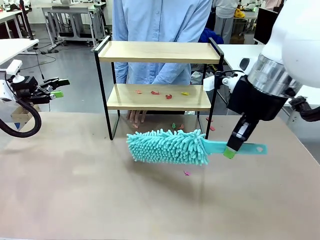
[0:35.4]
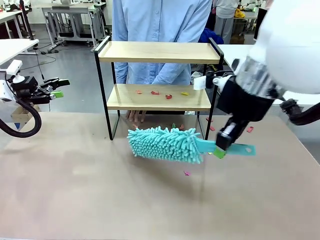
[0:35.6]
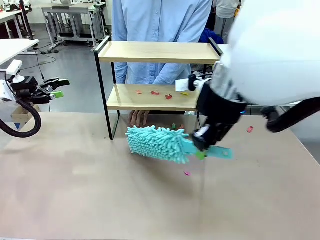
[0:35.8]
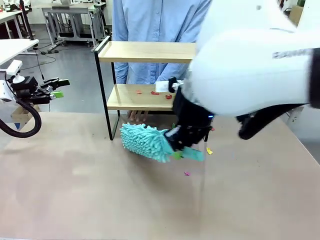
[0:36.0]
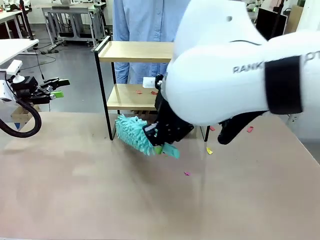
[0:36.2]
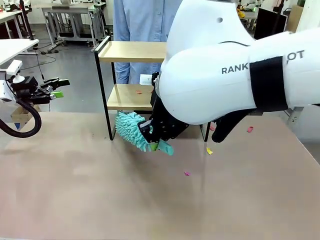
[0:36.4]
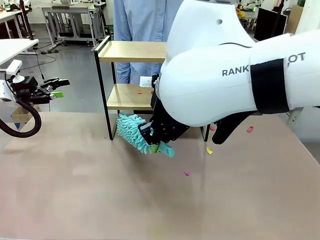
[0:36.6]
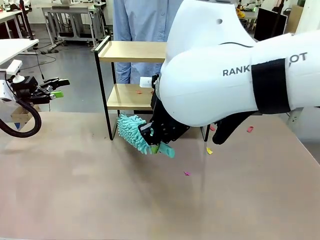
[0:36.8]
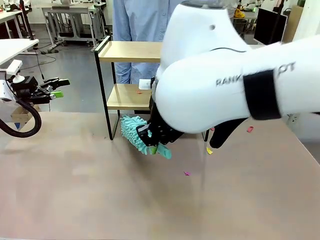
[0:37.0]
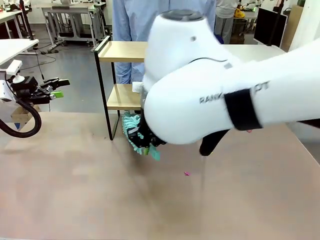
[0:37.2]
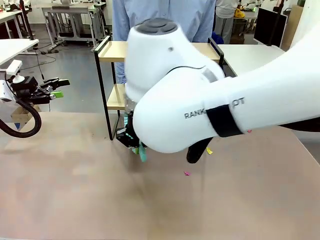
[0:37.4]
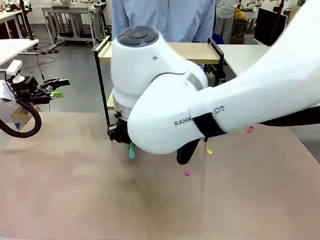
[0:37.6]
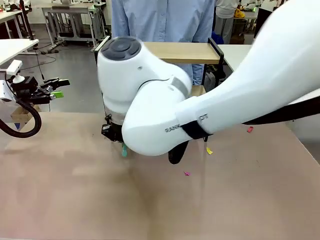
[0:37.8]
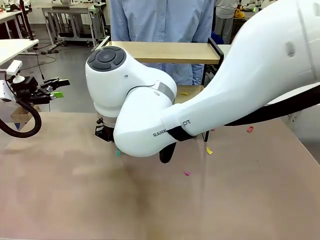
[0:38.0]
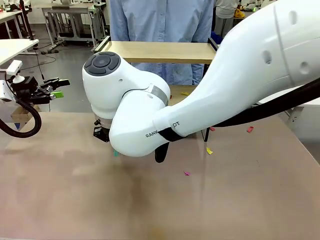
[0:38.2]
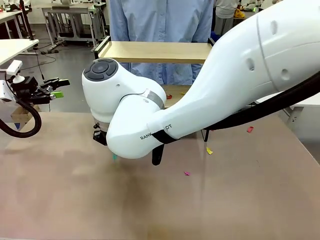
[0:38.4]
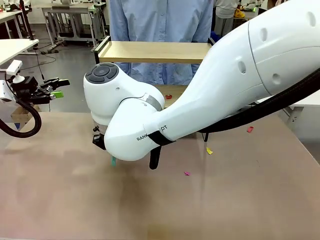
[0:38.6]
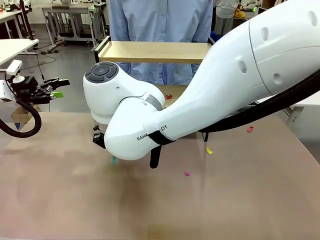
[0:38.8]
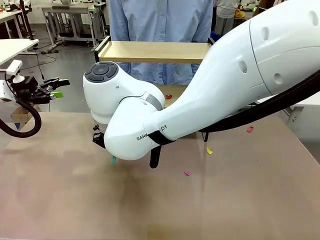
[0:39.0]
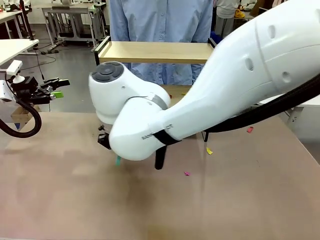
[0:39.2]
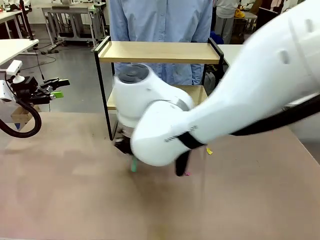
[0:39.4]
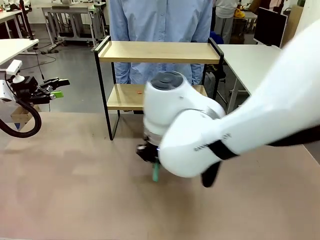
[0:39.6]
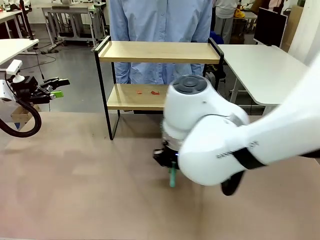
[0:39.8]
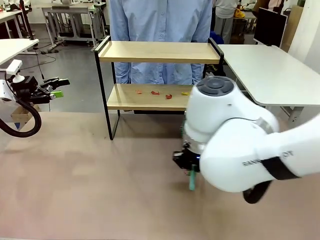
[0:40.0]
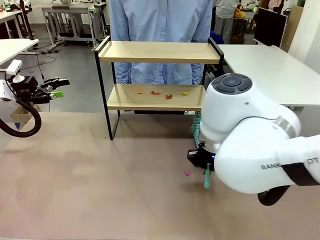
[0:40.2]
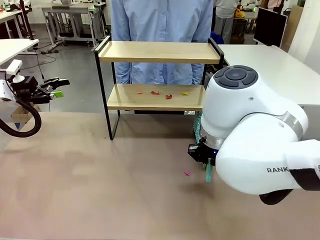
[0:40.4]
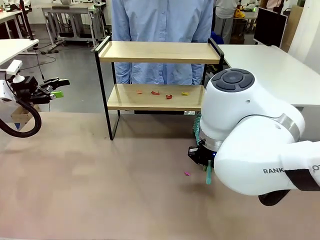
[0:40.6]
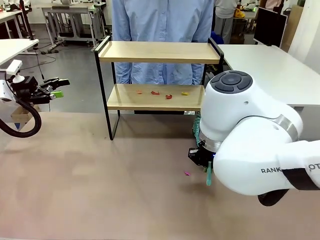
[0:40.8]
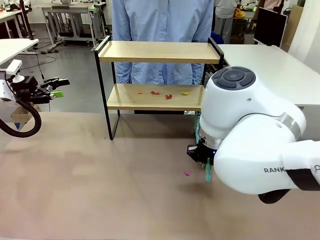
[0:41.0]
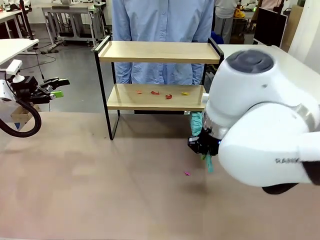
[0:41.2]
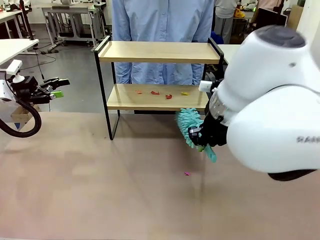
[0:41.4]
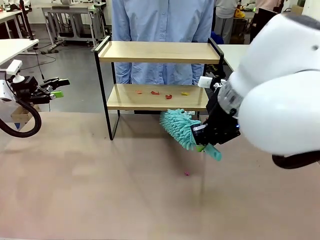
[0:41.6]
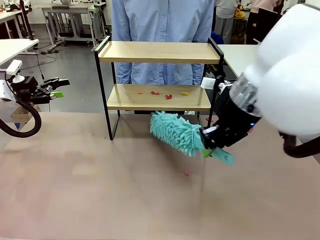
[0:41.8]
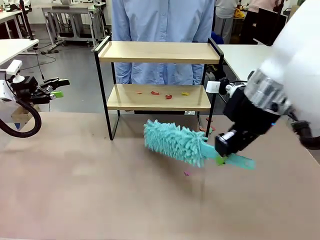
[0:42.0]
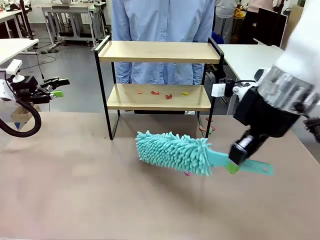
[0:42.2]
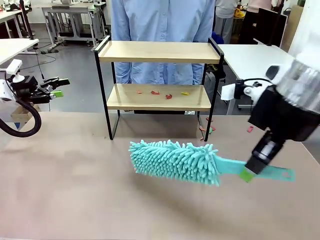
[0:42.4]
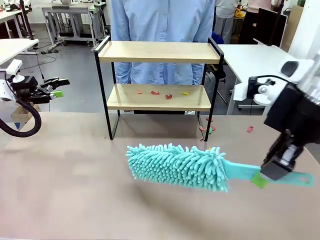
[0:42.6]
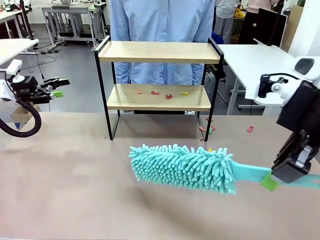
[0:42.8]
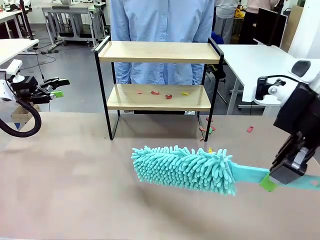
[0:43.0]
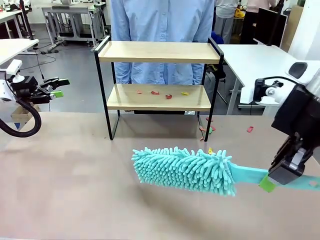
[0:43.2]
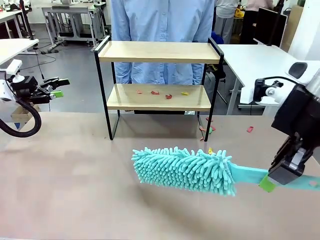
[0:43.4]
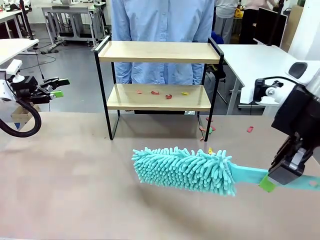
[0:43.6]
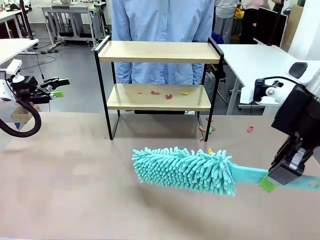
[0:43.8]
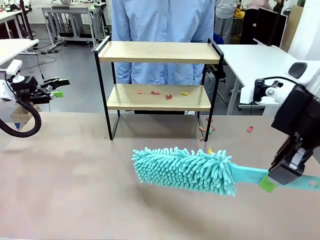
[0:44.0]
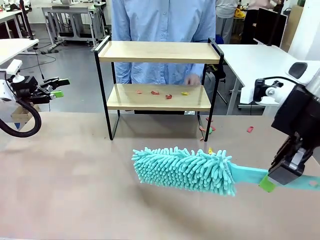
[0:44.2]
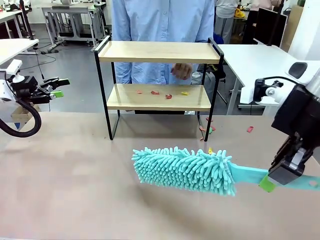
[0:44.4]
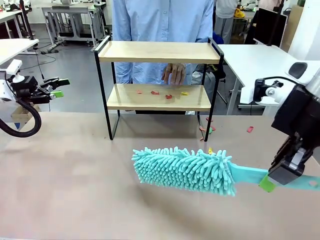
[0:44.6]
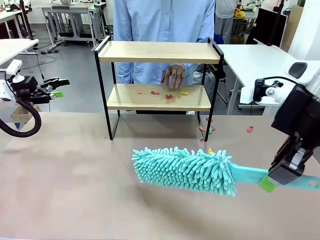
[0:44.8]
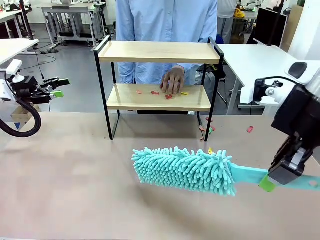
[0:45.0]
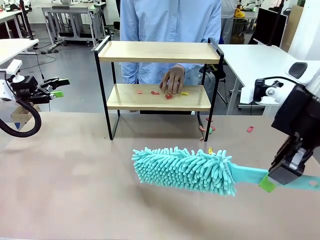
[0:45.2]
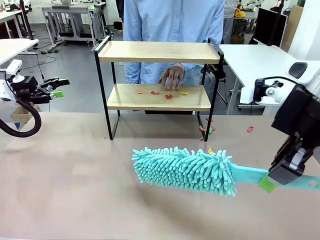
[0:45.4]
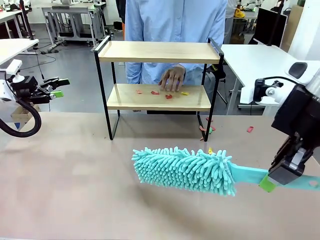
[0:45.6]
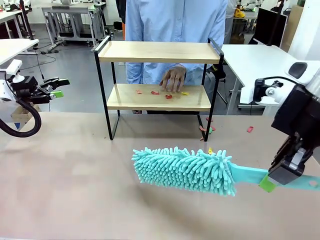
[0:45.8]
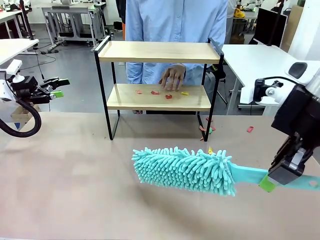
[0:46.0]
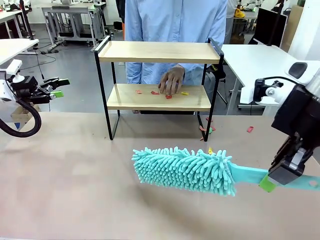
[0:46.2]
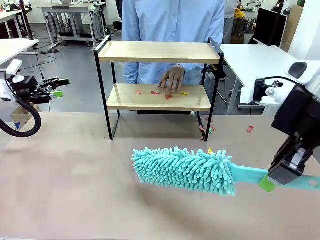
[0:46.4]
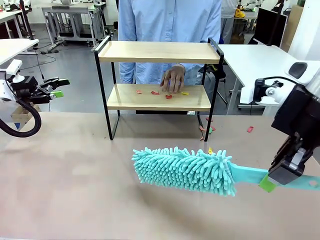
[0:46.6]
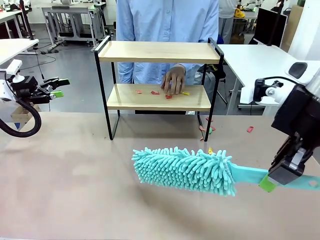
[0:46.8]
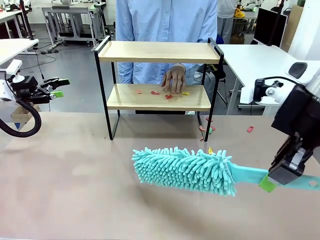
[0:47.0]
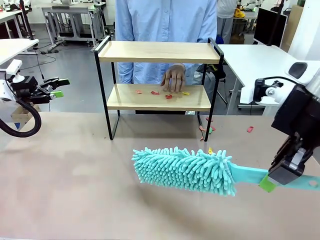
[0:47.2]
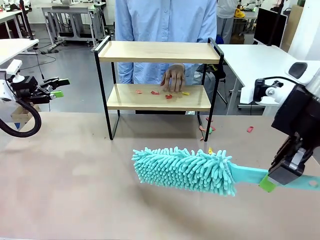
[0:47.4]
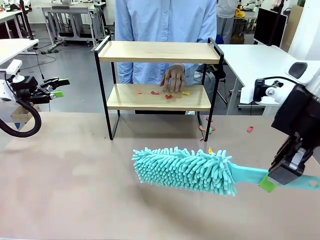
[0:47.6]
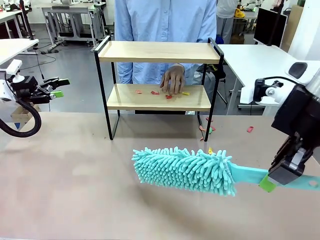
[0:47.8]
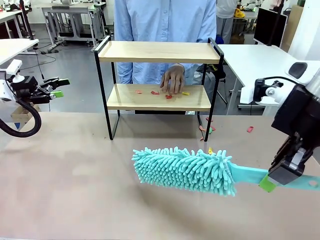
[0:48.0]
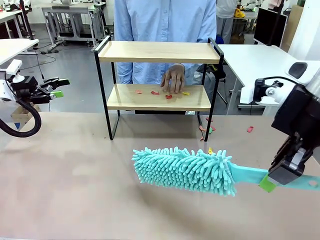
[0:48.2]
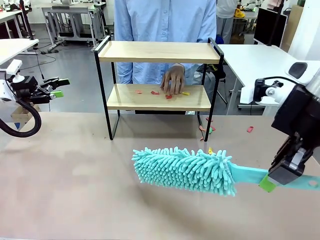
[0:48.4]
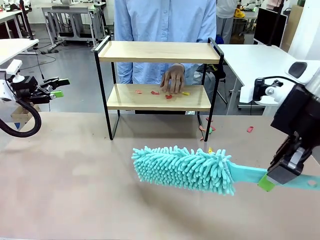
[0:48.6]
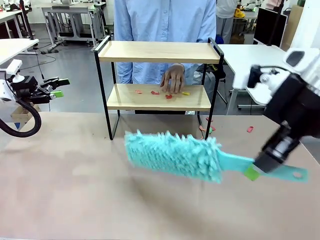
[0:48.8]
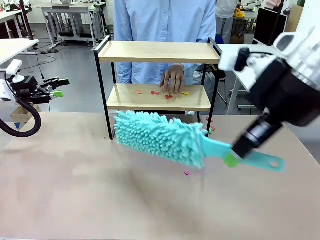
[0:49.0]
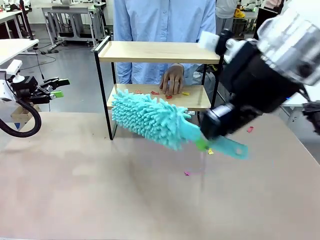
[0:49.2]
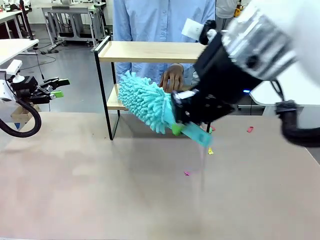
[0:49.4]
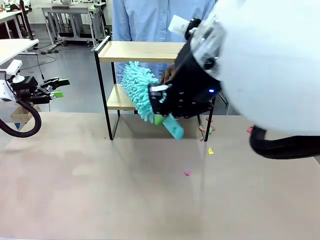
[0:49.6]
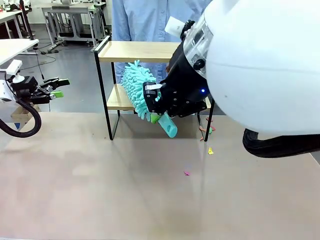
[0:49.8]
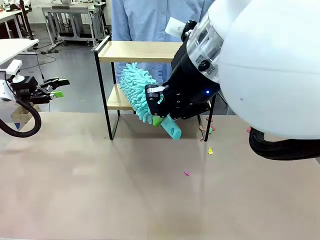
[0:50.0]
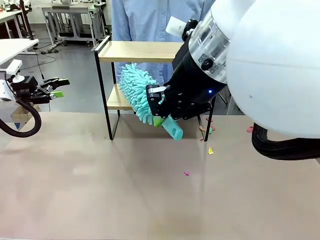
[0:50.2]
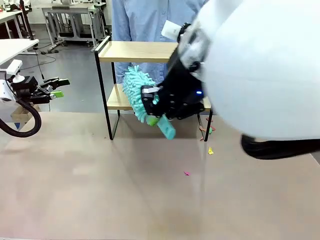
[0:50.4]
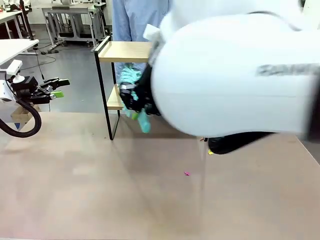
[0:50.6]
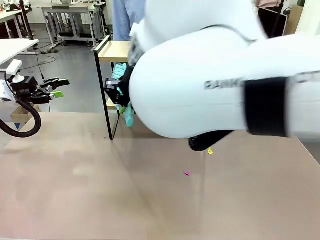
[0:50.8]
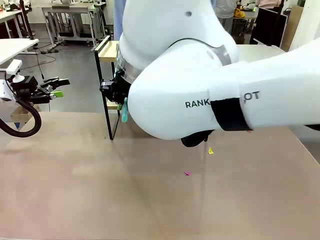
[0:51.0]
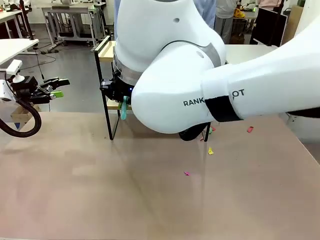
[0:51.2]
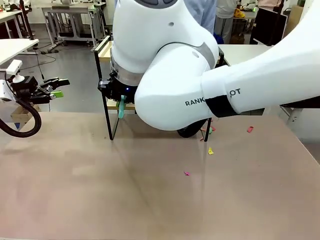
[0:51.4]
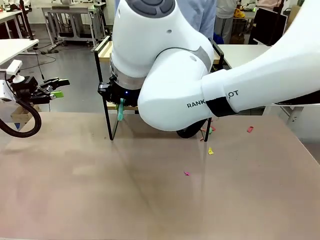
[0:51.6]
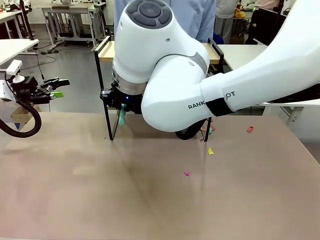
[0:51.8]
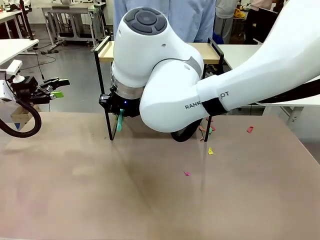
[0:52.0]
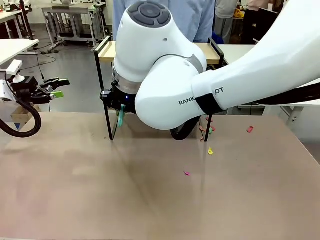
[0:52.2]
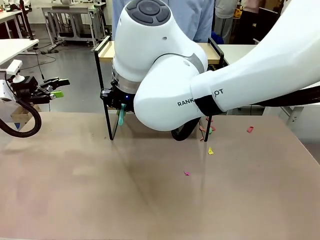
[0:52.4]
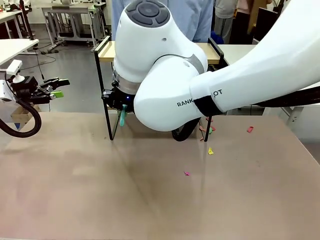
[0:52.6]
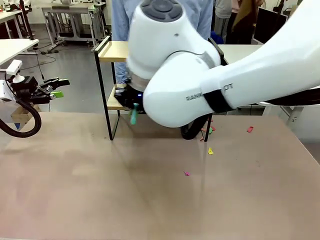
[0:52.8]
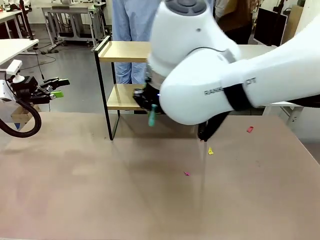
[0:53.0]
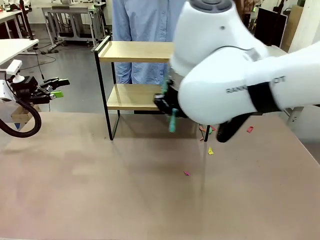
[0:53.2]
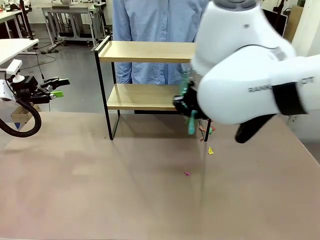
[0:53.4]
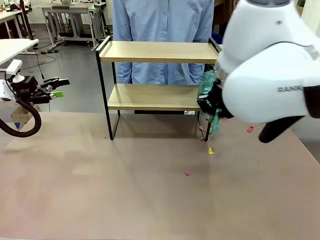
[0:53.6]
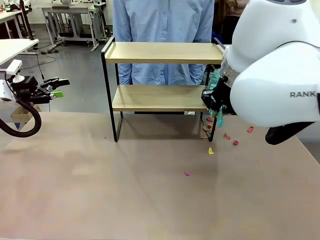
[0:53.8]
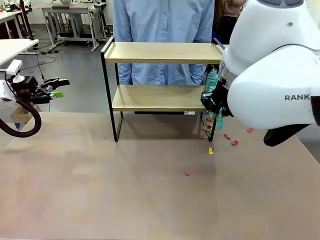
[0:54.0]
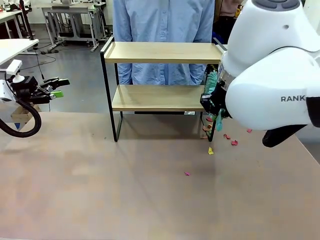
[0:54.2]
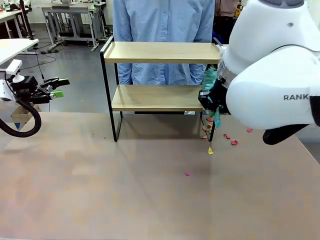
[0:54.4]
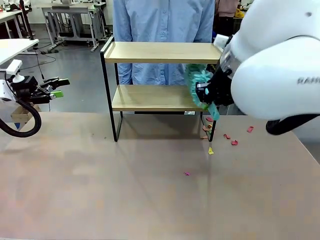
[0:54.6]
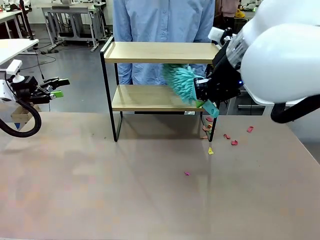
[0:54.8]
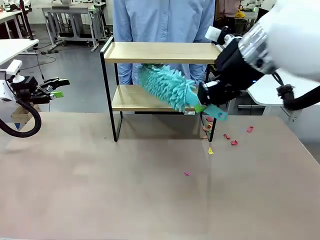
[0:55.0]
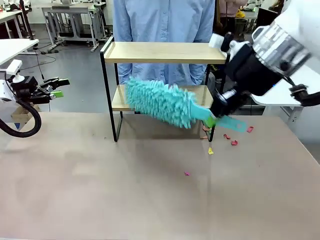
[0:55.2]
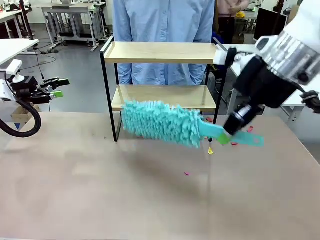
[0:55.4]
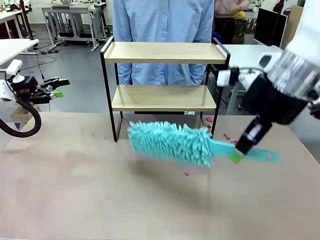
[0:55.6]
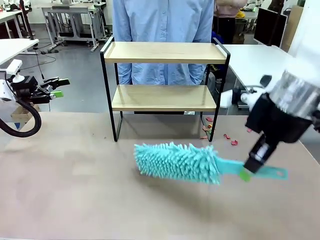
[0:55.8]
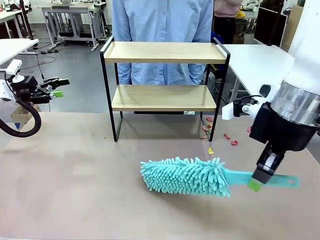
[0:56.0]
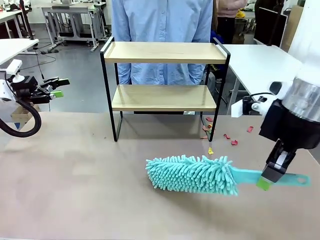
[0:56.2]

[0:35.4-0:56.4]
Task: Clean the shelf.
Robot: Clean the specific section of the Shelf indicated by the human with the Duster.
Person: Point a remaining section of the Shelf.
